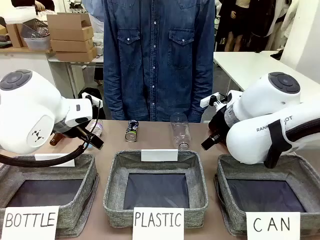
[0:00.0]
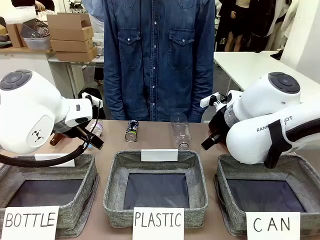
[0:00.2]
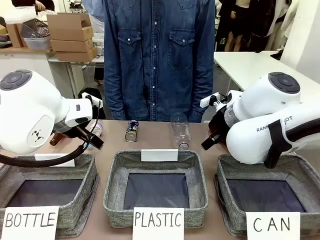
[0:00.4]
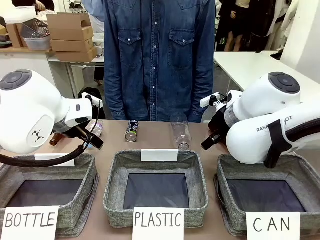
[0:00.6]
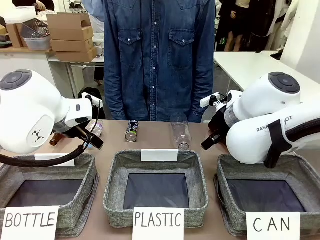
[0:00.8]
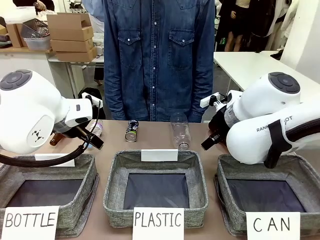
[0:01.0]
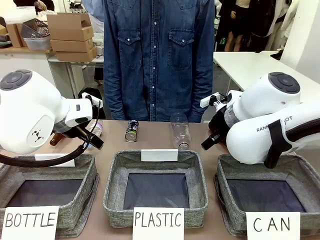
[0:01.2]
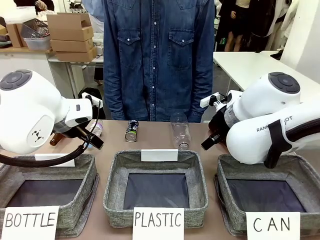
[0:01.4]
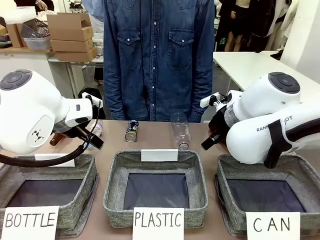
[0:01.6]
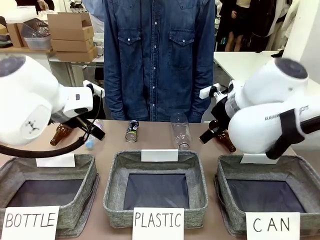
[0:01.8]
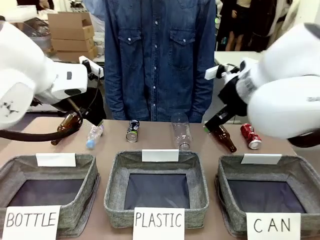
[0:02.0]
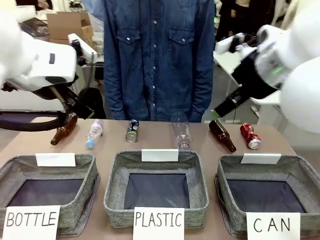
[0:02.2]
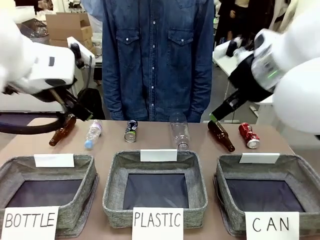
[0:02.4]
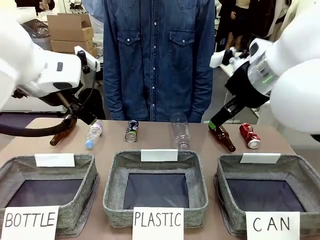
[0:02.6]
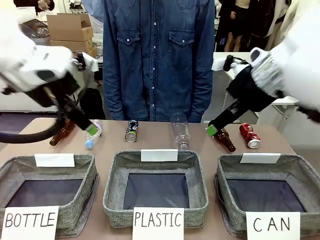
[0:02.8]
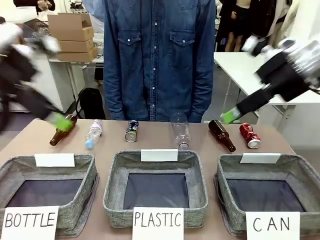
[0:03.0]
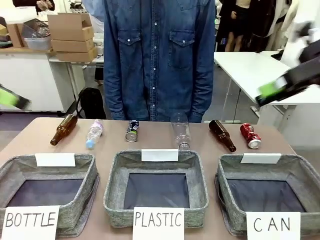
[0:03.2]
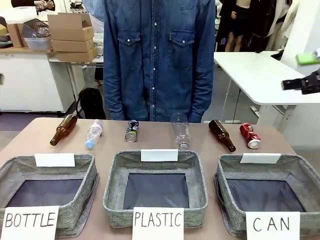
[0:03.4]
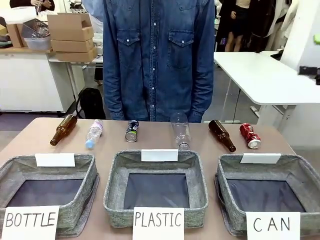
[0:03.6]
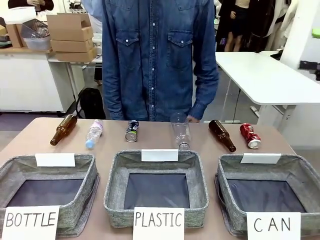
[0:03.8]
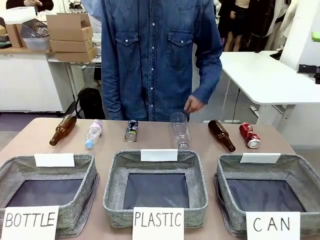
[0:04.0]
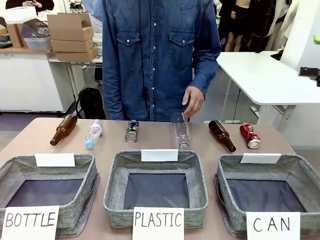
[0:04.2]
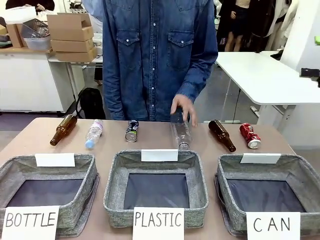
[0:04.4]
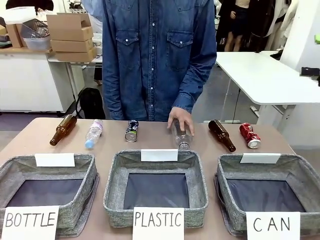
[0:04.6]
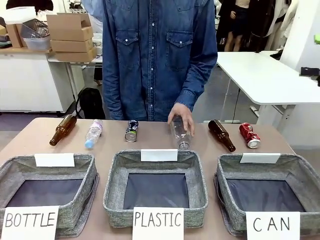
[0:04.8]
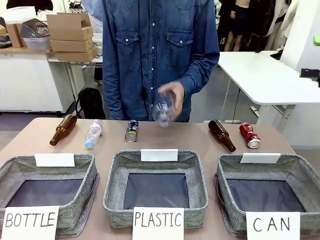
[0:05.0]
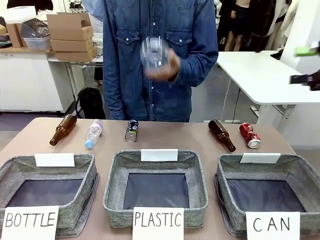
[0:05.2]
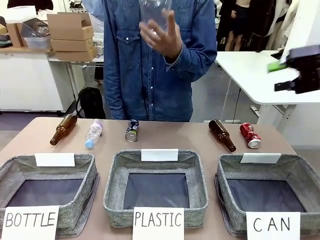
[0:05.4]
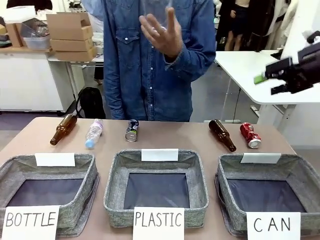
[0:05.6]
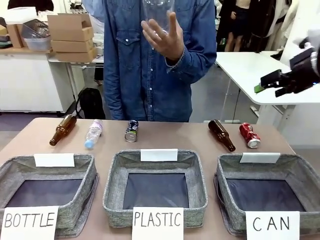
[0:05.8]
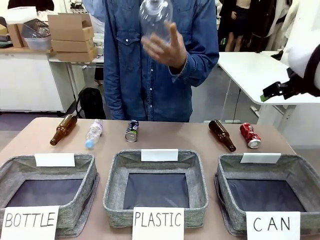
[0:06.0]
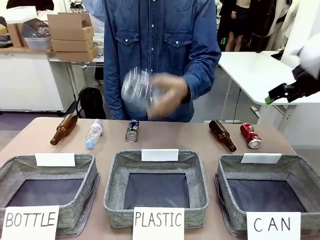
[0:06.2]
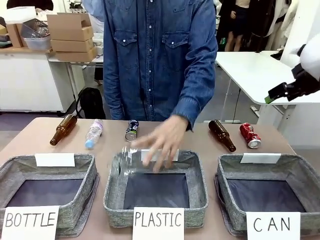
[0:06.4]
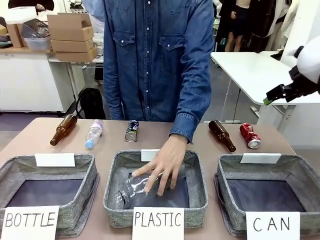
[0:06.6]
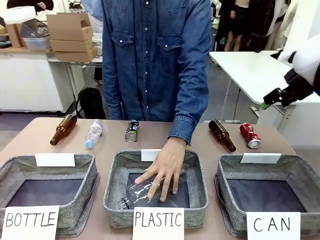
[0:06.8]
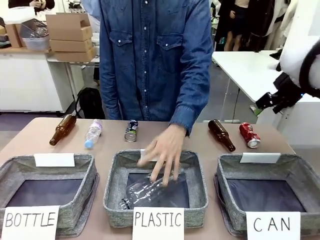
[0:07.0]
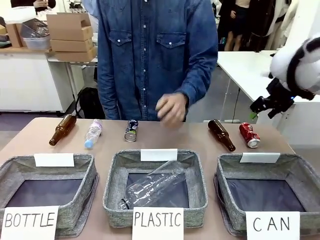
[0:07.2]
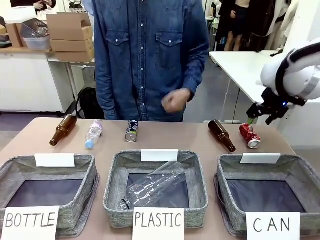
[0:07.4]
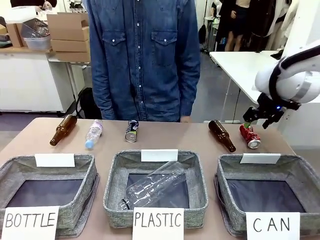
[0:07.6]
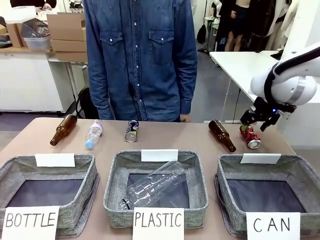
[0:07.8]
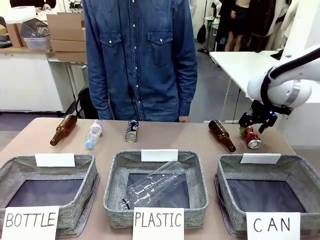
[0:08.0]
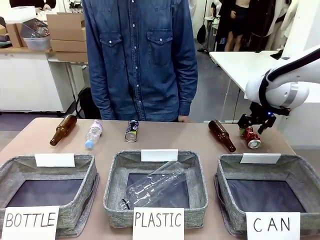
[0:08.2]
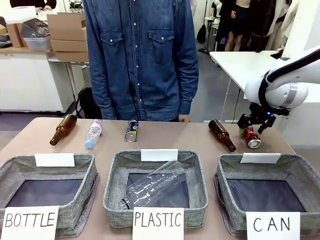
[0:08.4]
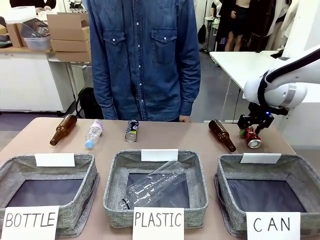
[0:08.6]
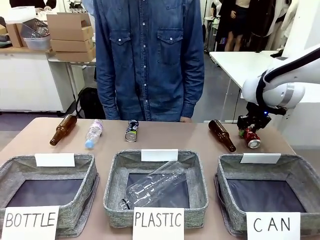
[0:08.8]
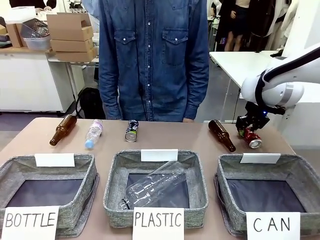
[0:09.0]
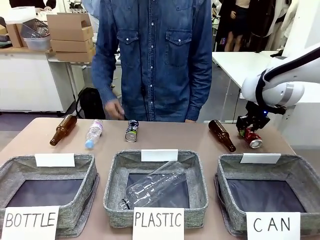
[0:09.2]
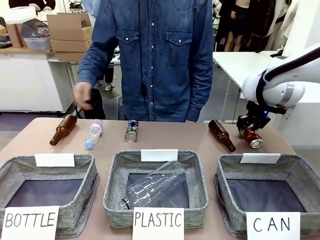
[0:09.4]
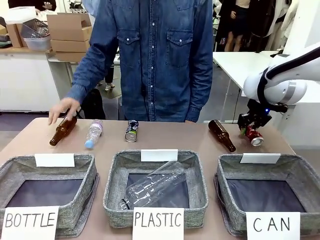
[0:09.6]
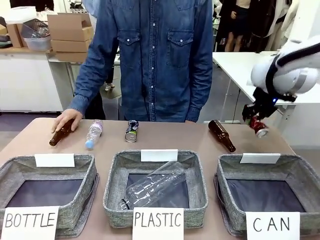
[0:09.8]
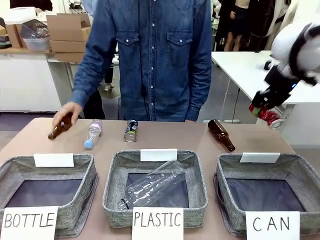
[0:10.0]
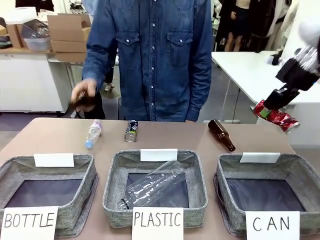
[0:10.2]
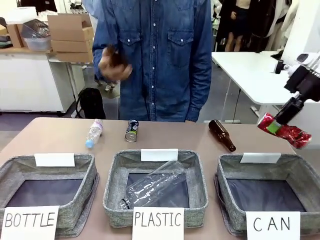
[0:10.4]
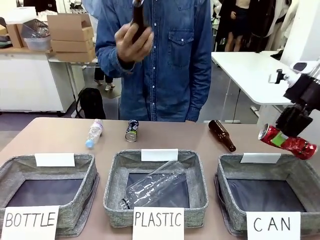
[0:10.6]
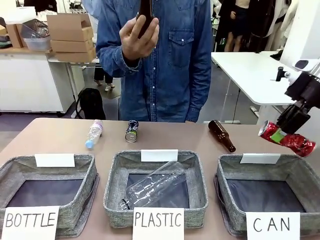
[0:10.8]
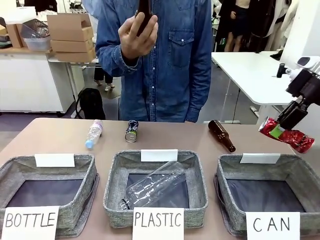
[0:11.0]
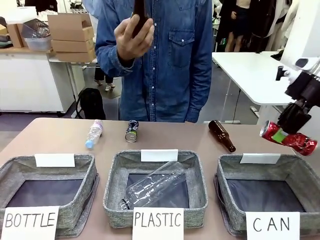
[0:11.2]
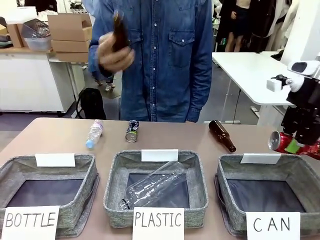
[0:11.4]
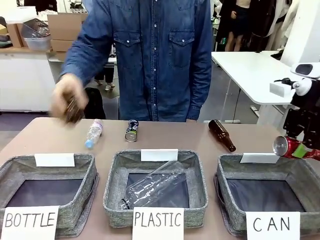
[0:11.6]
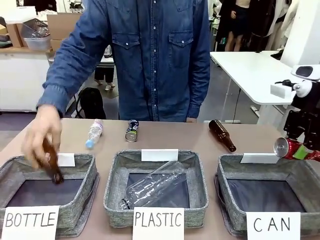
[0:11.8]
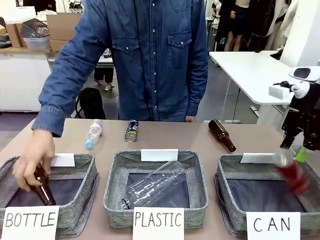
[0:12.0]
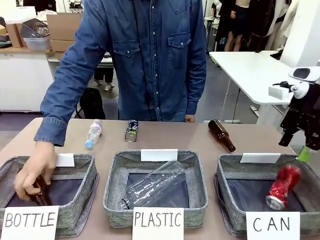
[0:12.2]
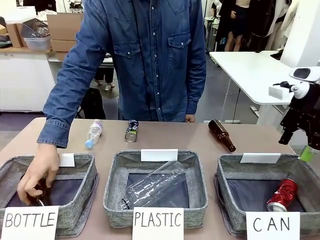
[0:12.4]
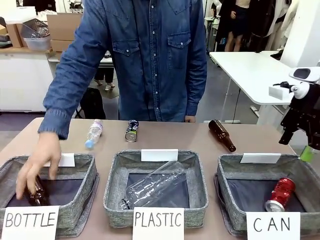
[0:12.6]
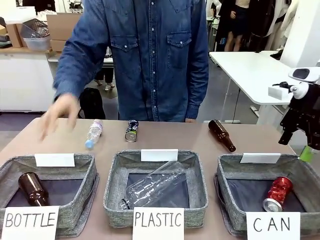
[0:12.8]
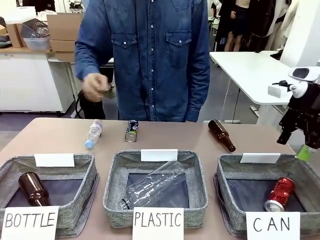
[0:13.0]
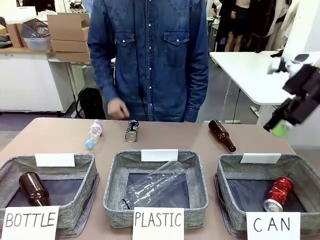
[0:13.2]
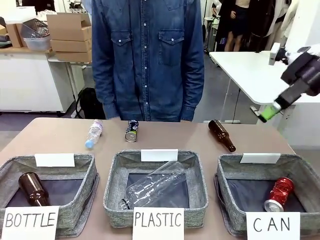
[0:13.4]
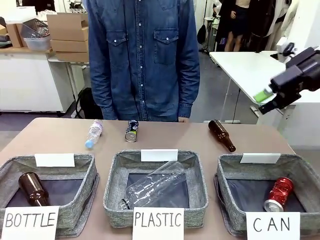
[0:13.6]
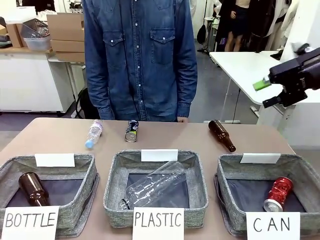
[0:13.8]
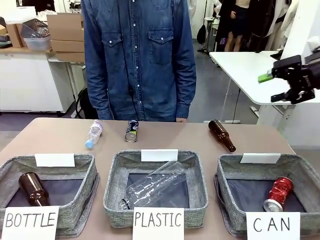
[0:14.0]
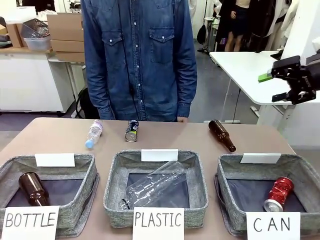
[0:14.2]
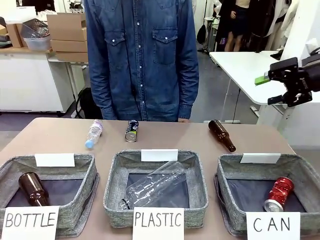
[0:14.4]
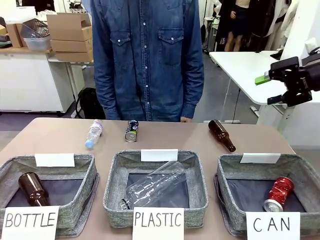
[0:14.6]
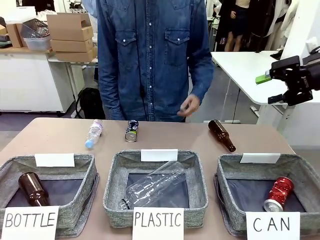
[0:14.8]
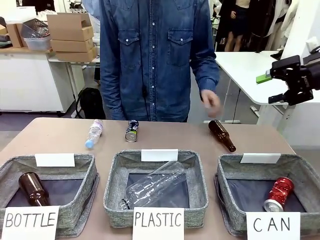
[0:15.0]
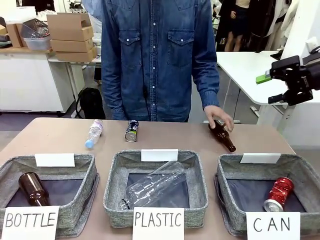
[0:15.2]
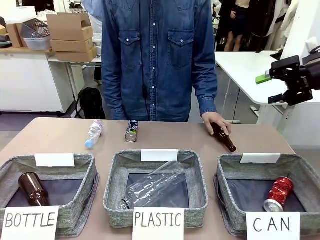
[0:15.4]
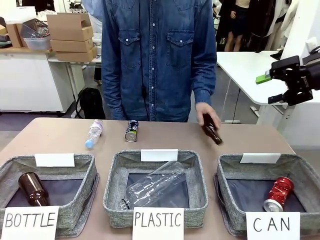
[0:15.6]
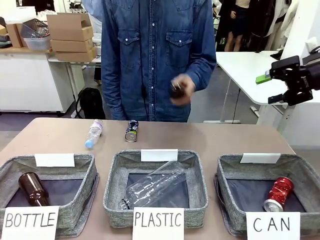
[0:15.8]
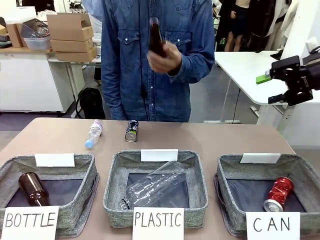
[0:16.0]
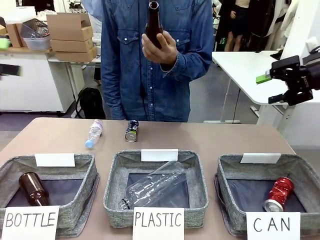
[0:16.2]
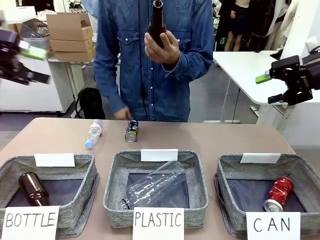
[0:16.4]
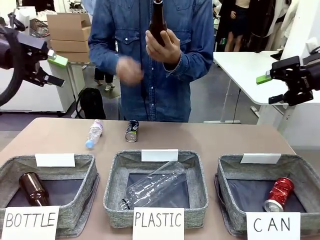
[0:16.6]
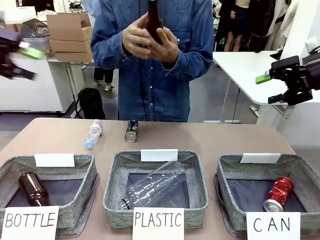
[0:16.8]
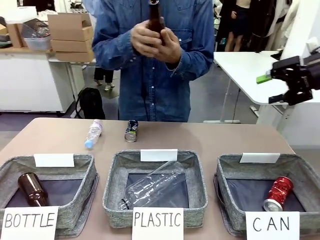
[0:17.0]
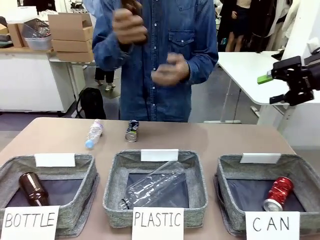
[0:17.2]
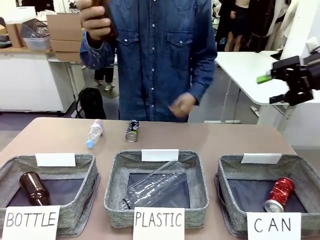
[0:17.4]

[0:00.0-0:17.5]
Task: Sort the can waste into the basket.
Robot: Pick up the can waste from the table and place it in the right Fabric basket.
